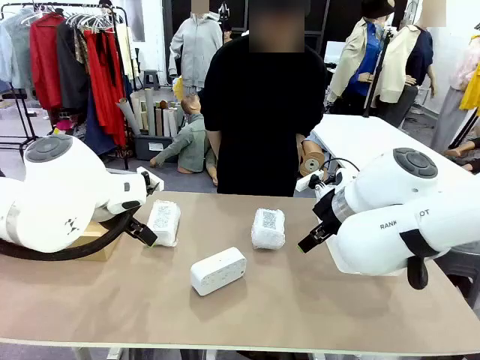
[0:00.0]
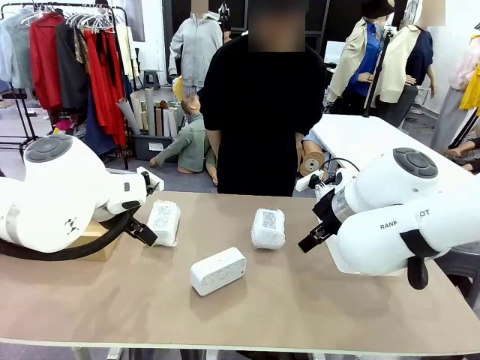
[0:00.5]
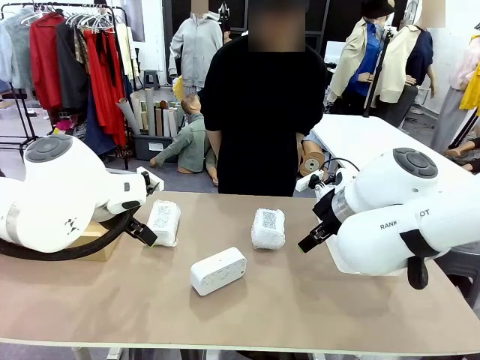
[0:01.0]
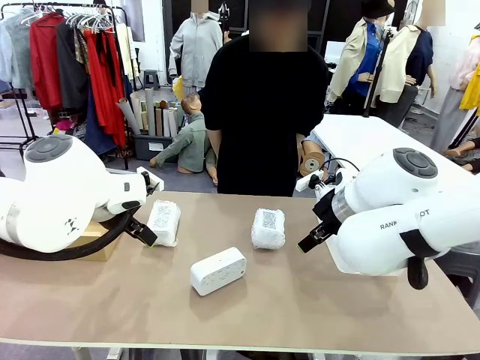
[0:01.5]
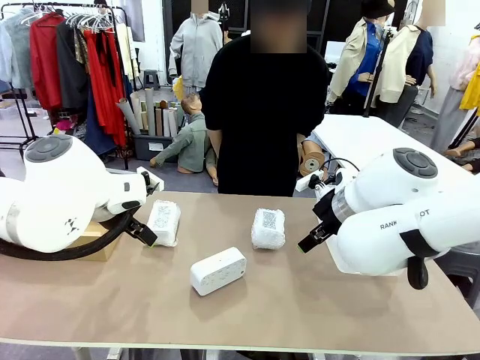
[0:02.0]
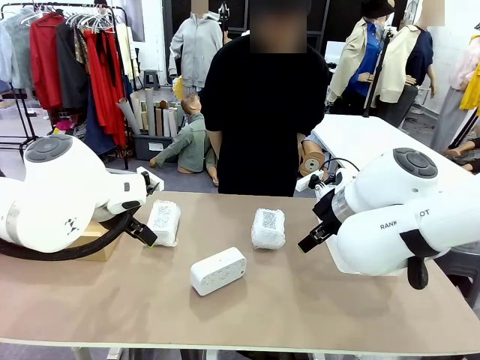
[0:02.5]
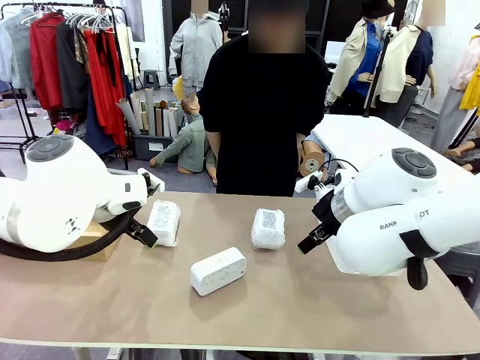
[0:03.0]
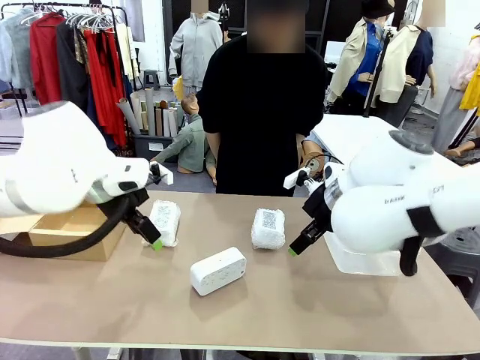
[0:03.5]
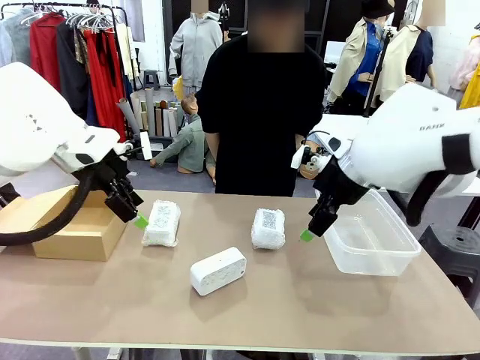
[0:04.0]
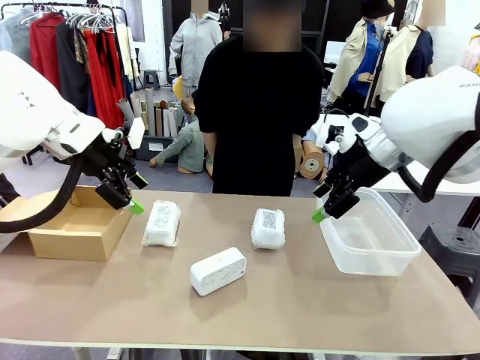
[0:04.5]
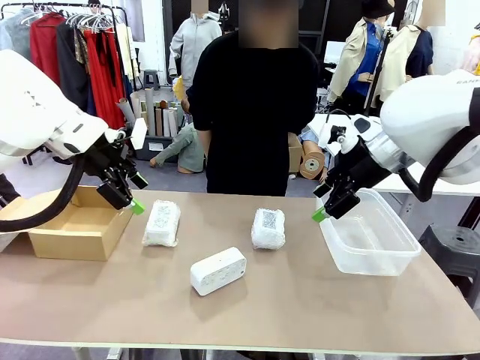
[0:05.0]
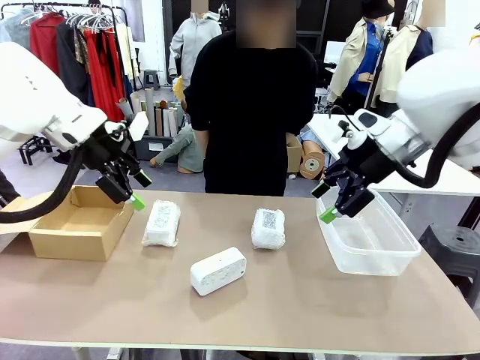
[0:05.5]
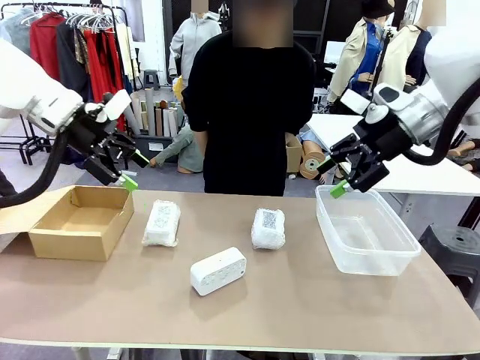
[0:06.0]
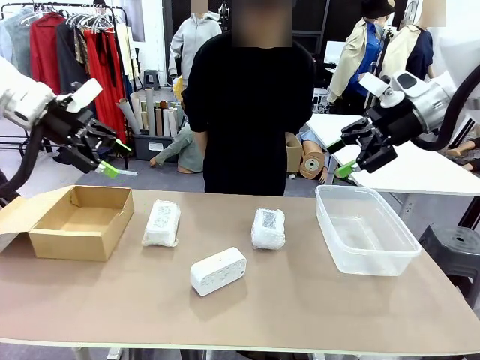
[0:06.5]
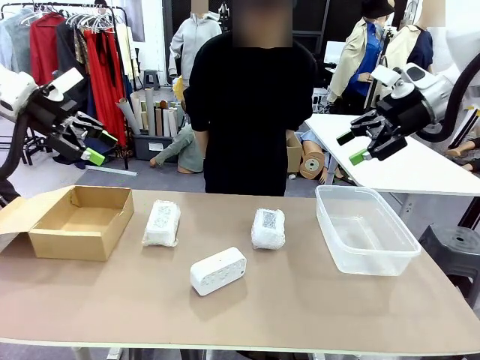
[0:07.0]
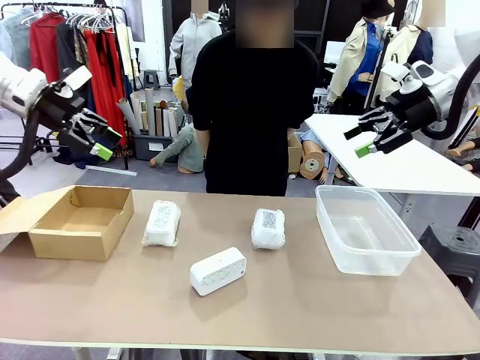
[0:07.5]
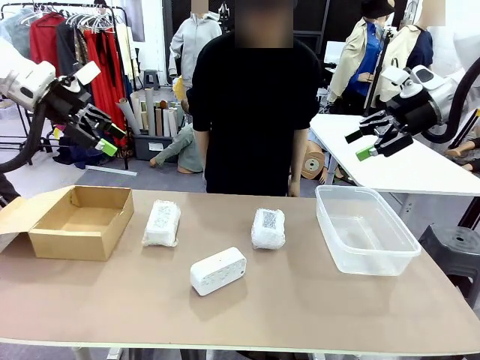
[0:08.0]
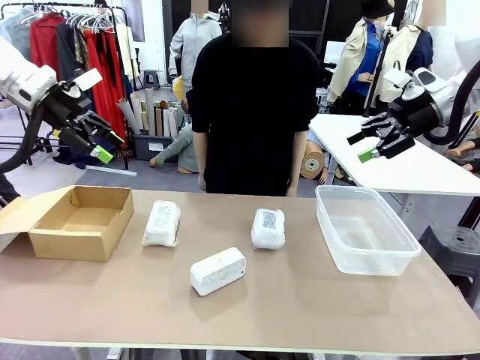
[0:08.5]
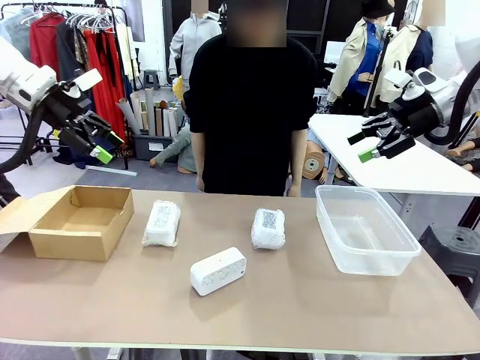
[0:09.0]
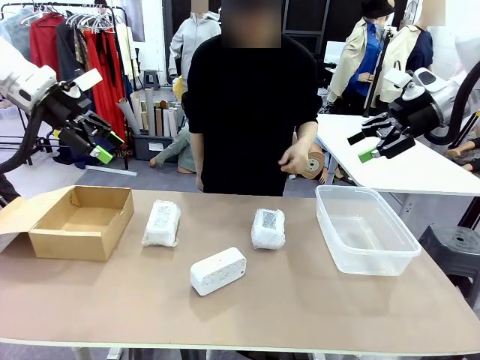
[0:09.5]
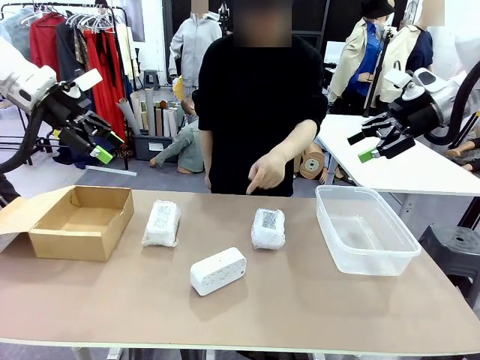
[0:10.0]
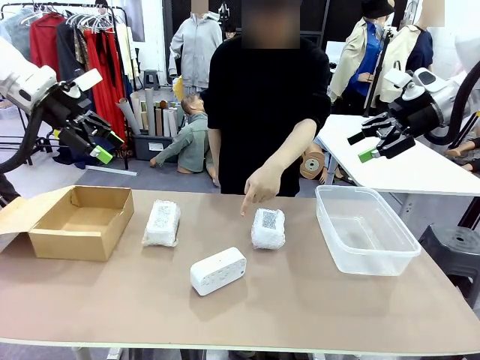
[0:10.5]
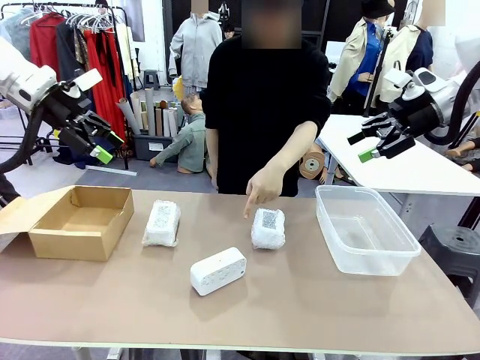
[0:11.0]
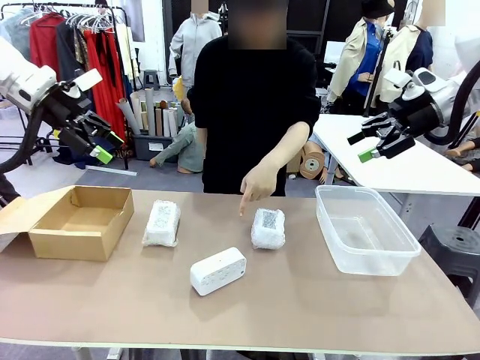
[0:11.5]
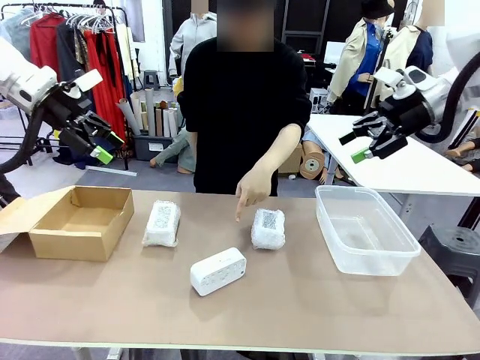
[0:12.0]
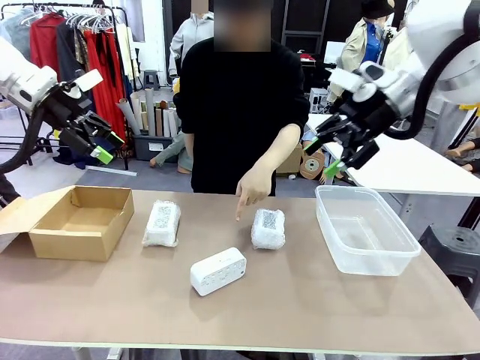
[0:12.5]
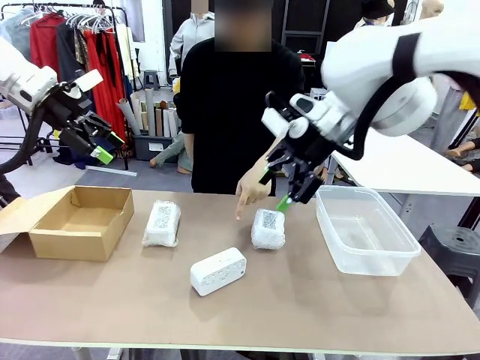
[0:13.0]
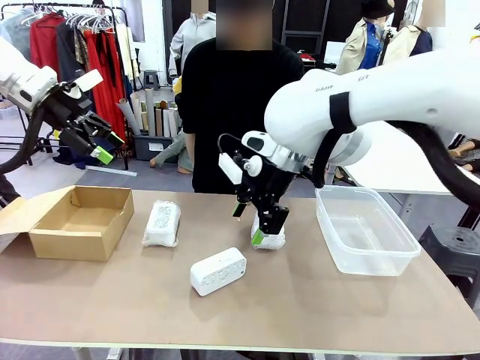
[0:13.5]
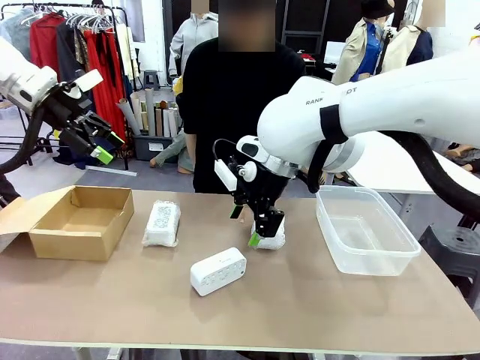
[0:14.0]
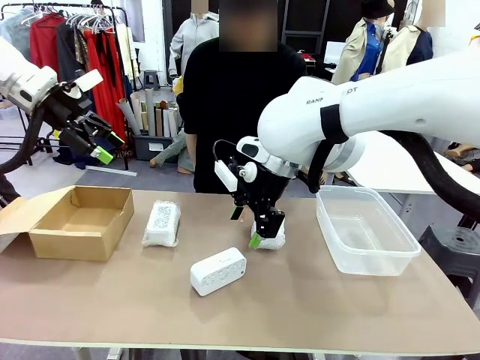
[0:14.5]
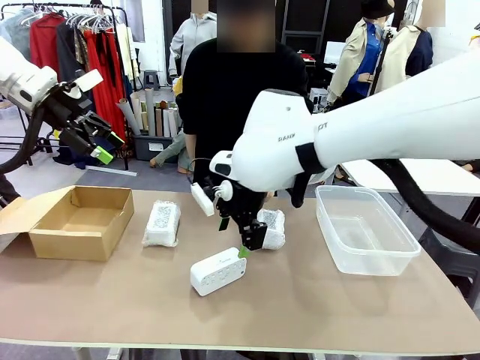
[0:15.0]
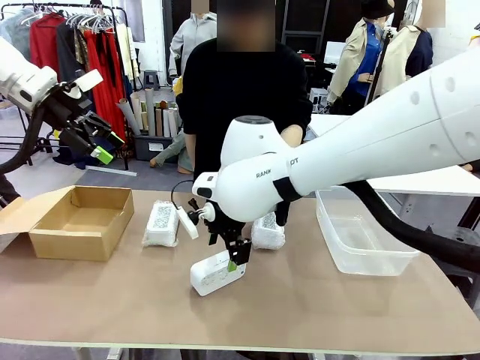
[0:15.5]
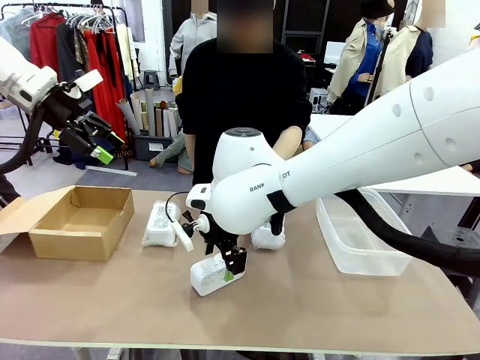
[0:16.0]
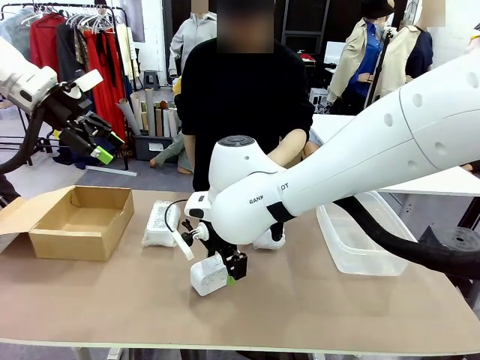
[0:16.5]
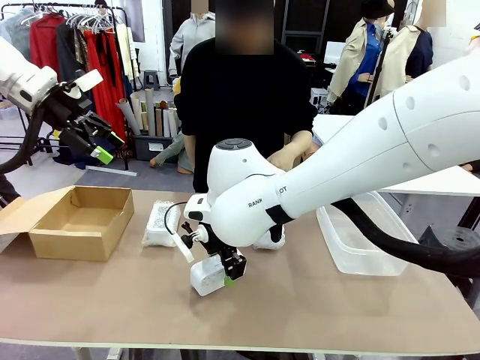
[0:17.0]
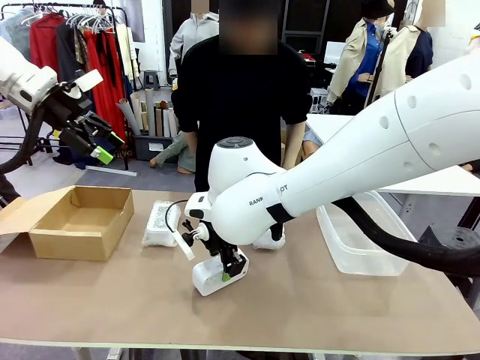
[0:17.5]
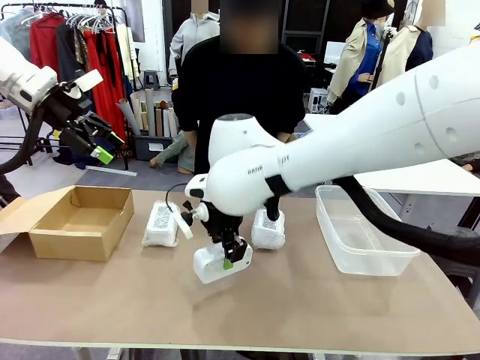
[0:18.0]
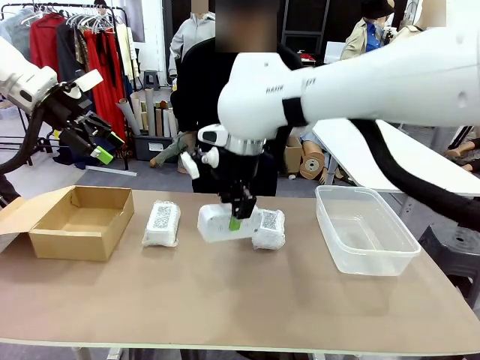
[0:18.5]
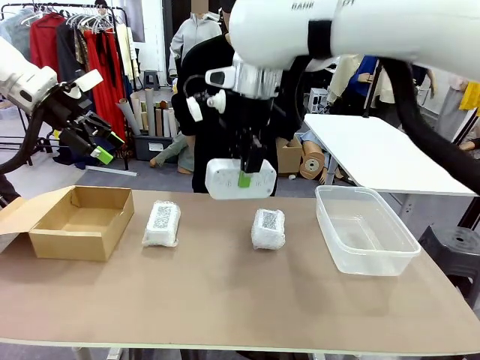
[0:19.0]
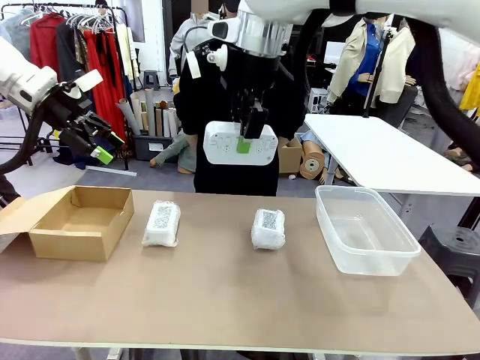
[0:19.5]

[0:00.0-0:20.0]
Task: Separate and place wrapped and unwrapped clocks.
Robot: Pick up the Digital clock indicated by the person.

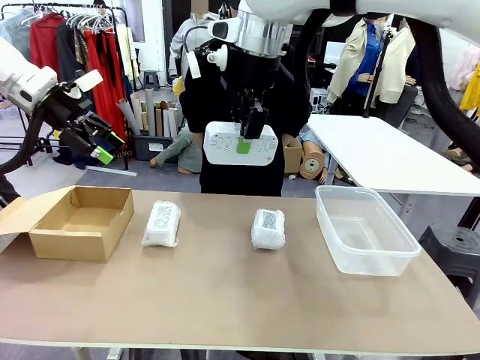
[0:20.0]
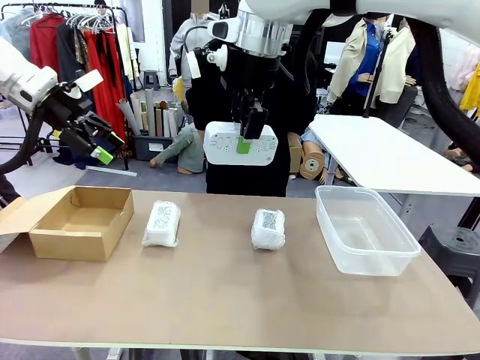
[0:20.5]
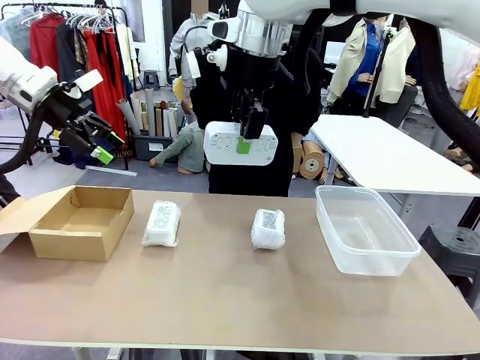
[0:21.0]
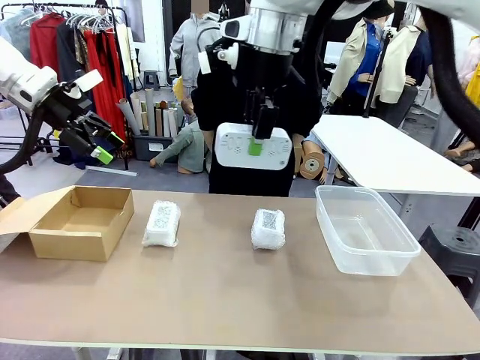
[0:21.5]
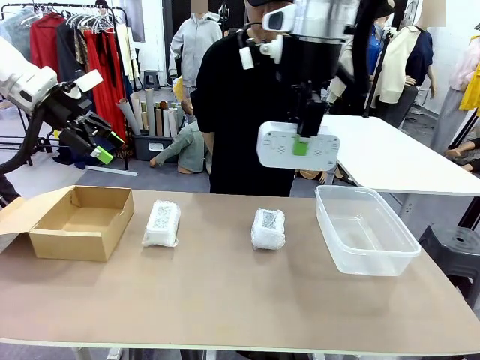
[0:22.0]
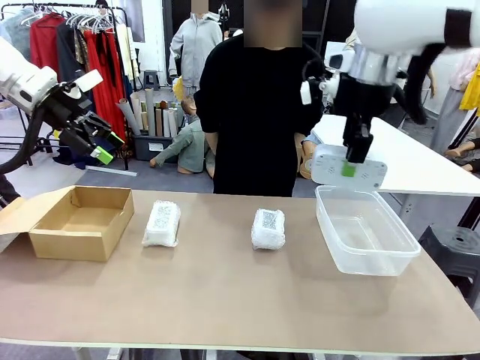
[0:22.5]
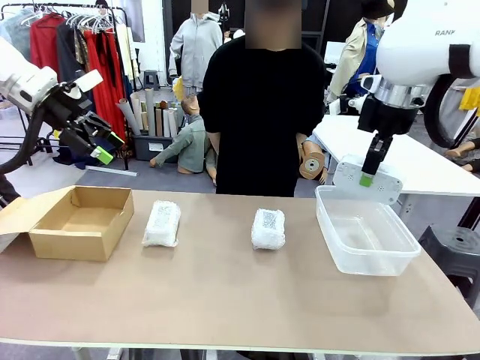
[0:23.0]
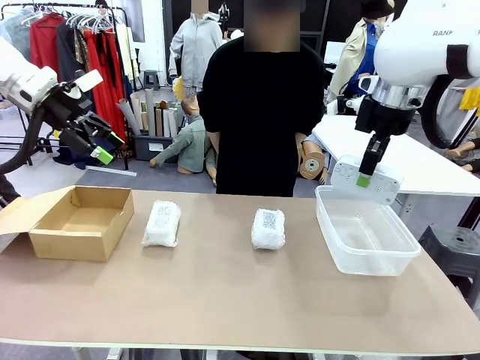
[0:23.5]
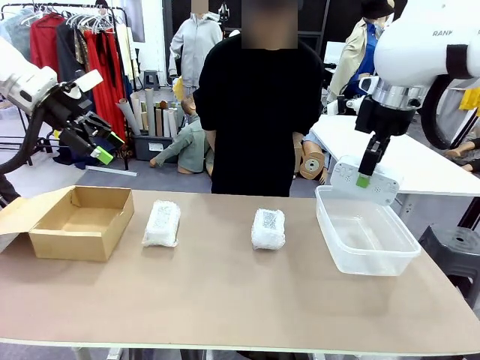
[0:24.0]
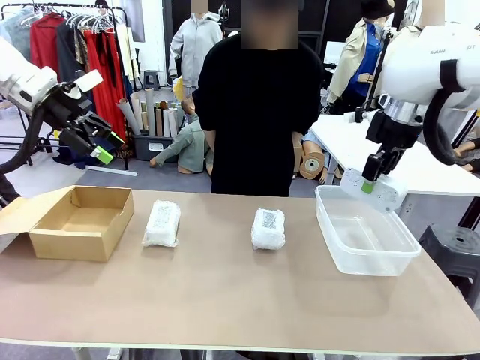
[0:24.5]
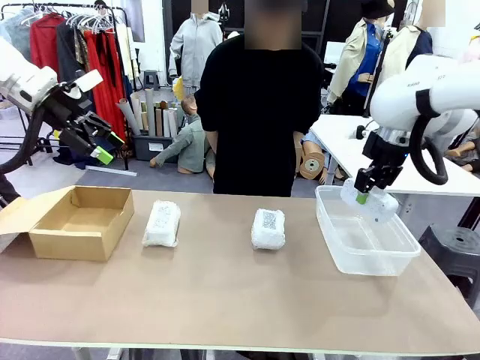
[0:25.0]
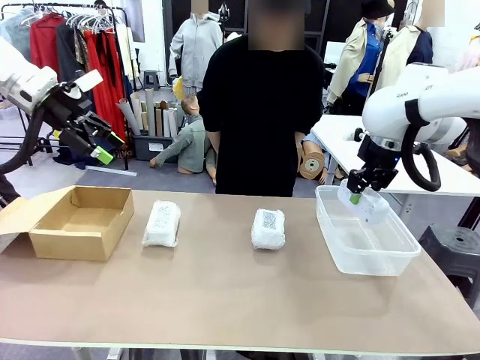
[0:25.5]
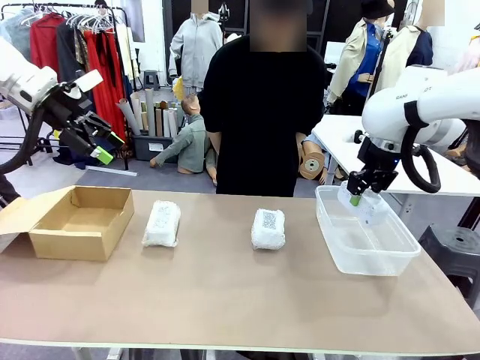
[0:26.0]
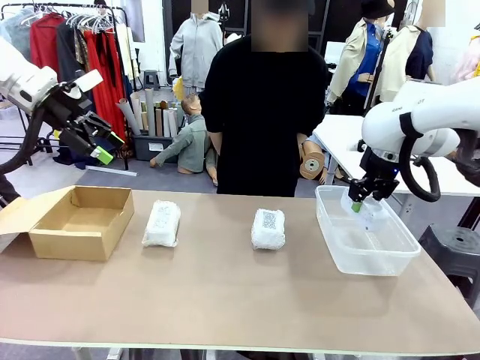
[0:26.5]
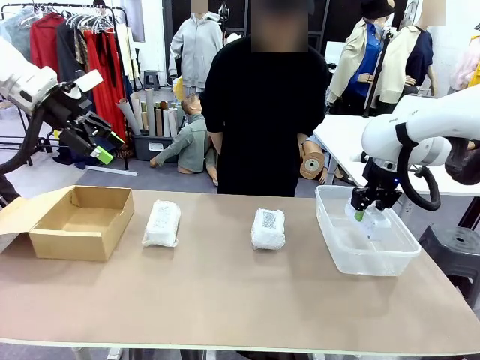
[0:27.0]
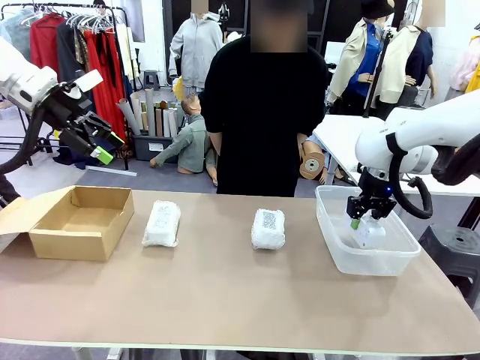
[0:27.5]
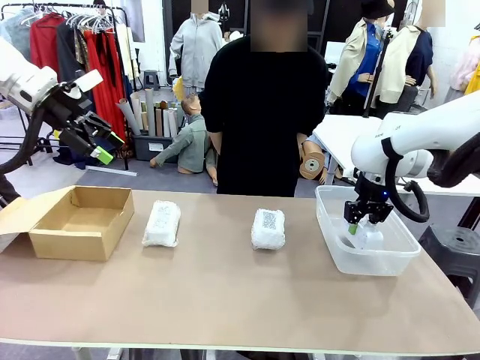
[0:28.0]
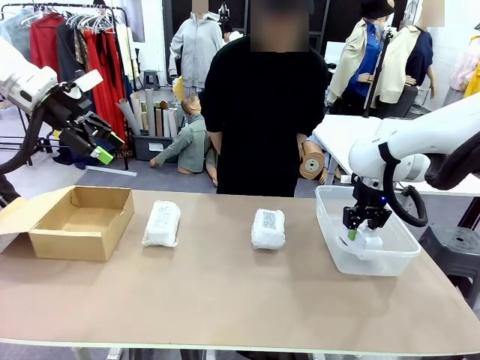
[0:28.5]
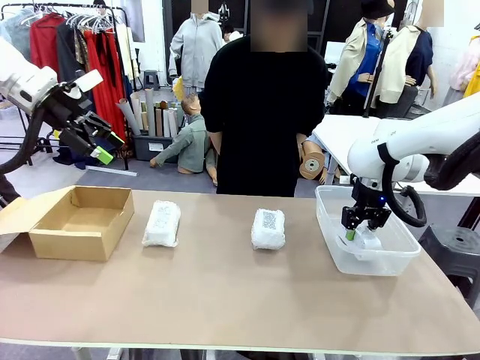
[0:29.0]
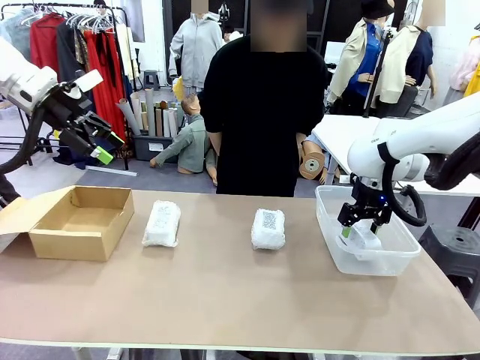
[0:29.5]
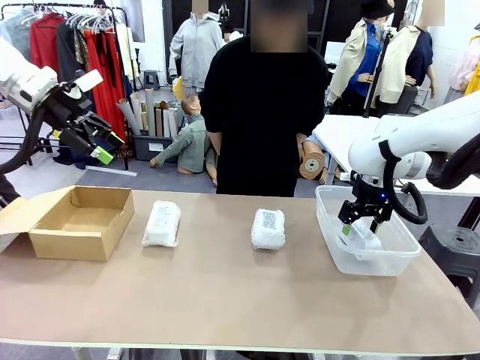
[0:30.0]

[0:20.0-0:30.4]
Robot: If the picked Digital clock is wrapped, place it in the Package Box ; if not, place it in the Organizing box.
